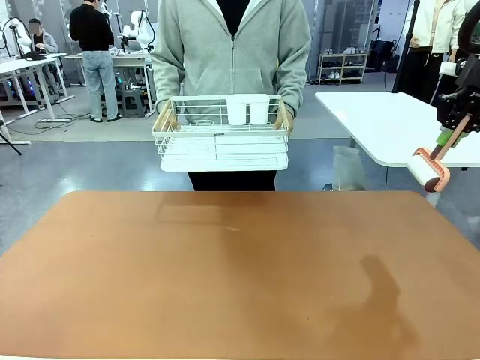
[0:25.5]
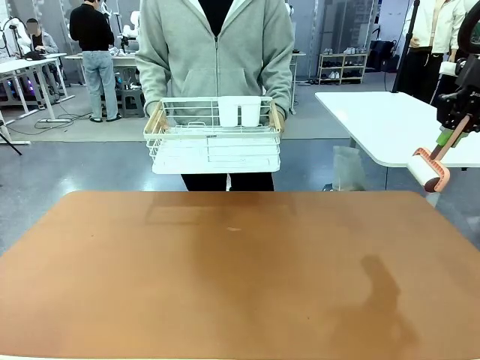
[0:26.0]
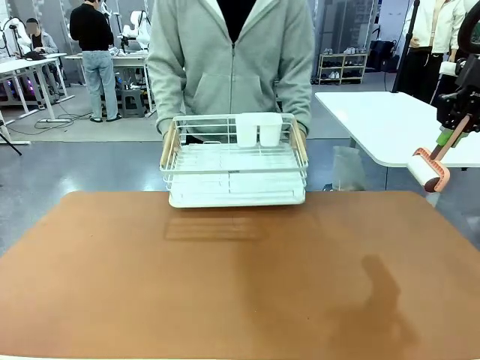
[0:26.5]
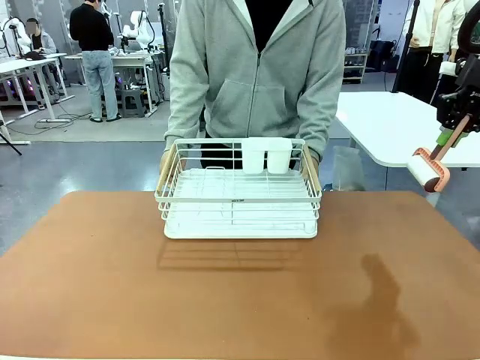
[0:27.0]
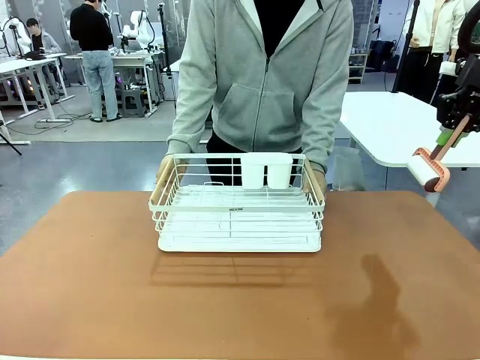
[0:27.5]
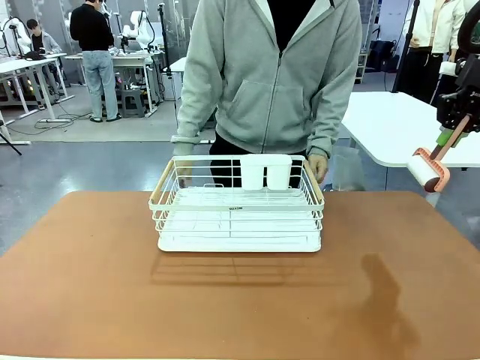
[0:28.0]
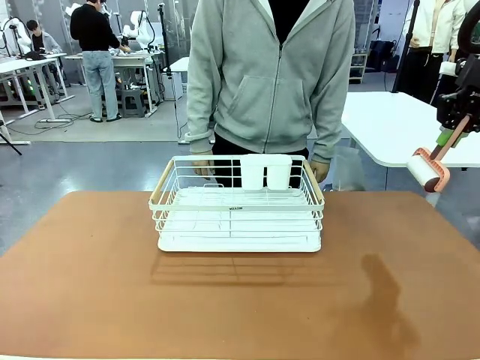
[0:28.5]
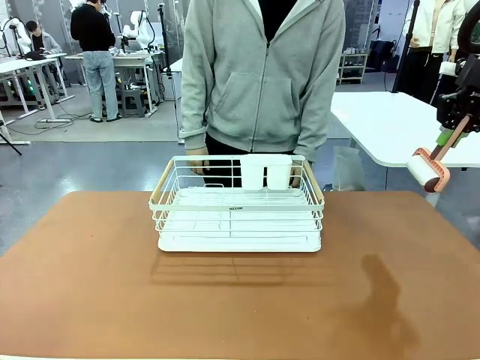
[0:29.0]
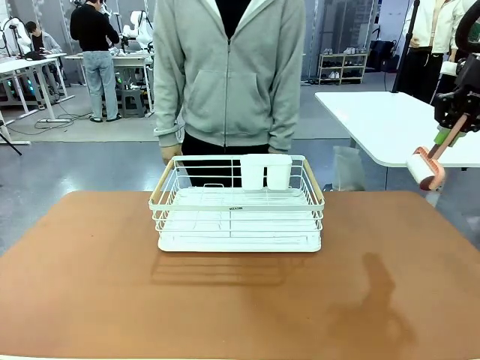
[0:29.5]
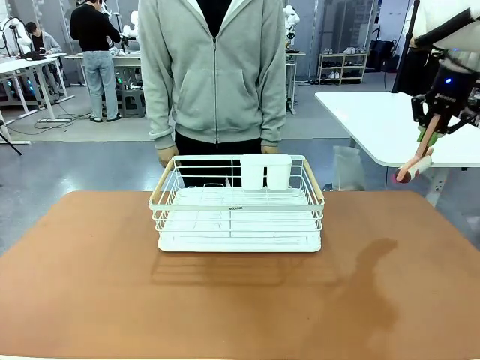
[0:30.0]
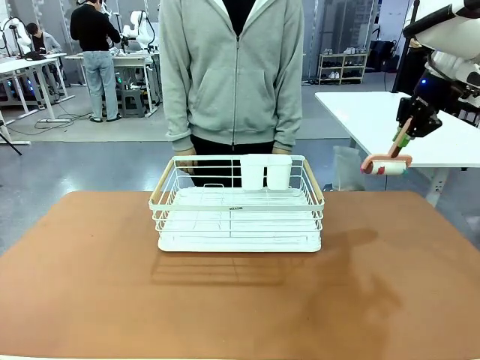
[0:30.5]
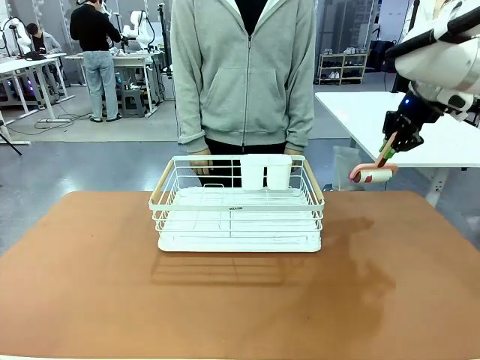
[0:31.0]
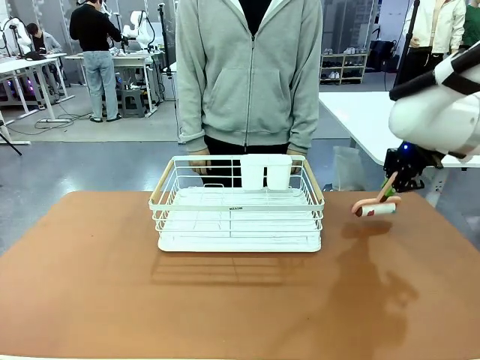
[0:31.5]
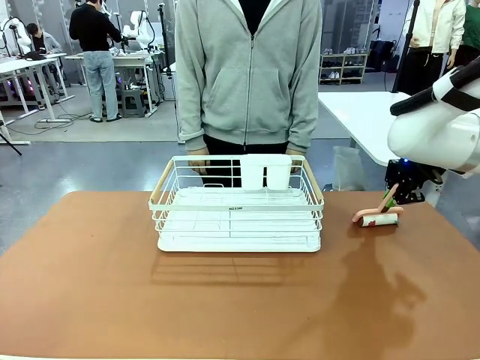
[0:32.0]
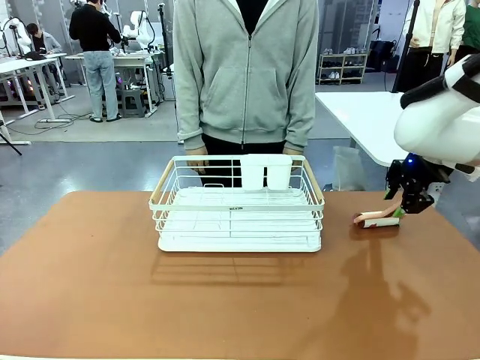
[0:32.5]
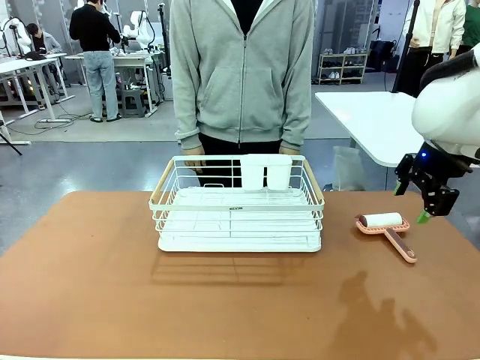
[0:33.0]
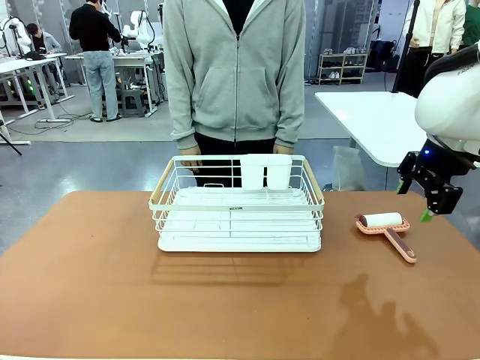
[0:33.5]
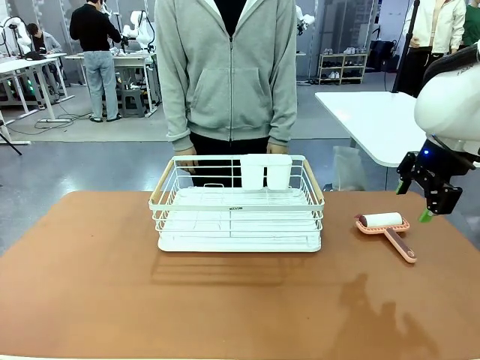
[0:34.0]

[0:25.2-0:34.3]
Task: Clean the table.
Robot: Place the Lint Roller down when the Dish drying rack is positioned in the middle of the table.
Person: Place the Dish drying rack down when the robot finishes cleaning.

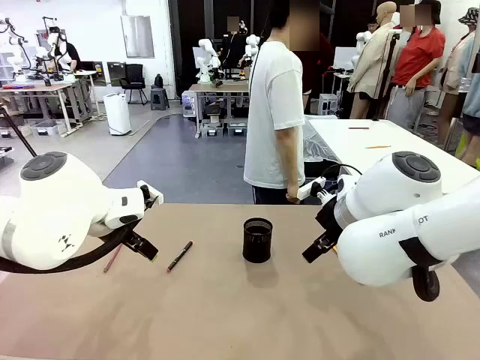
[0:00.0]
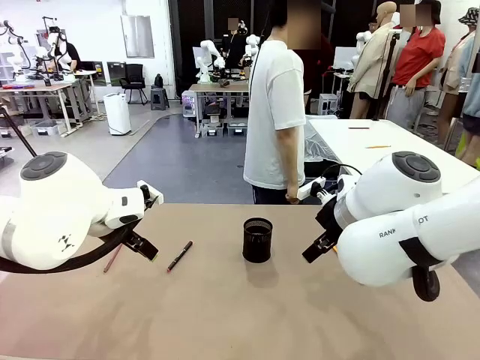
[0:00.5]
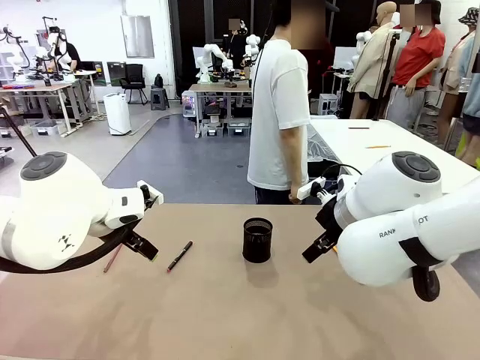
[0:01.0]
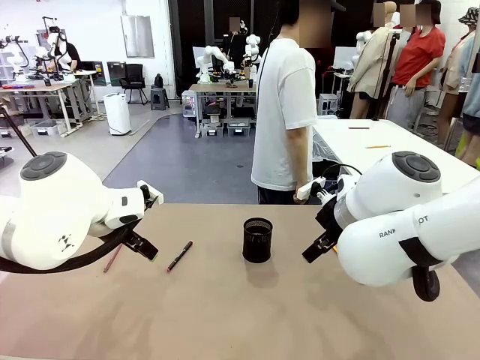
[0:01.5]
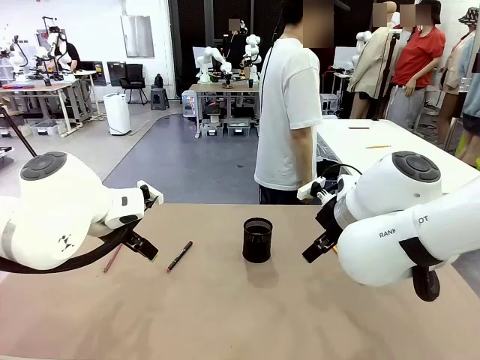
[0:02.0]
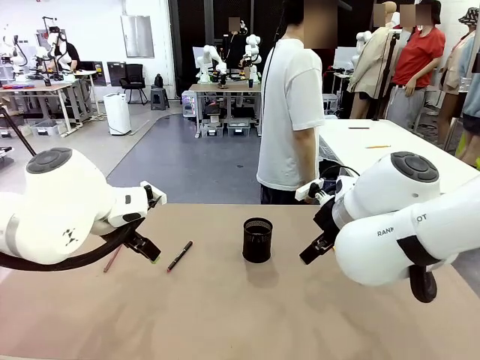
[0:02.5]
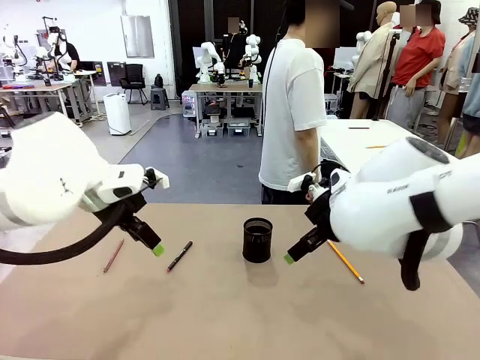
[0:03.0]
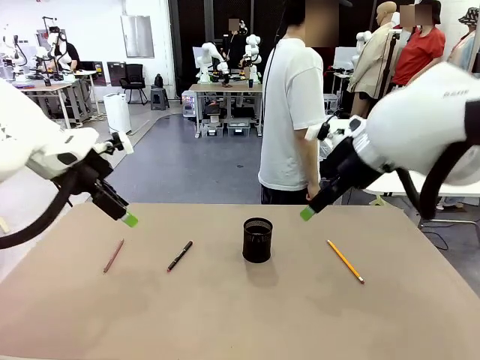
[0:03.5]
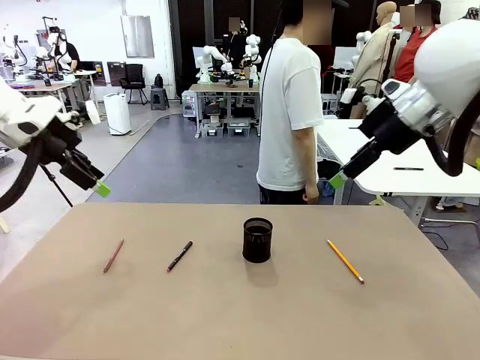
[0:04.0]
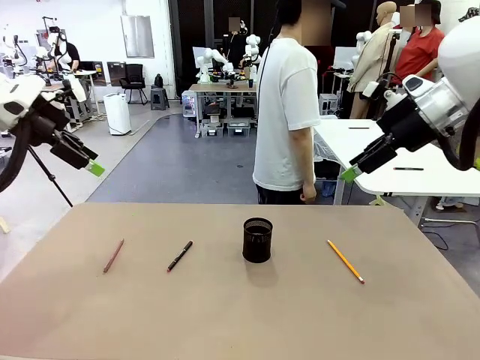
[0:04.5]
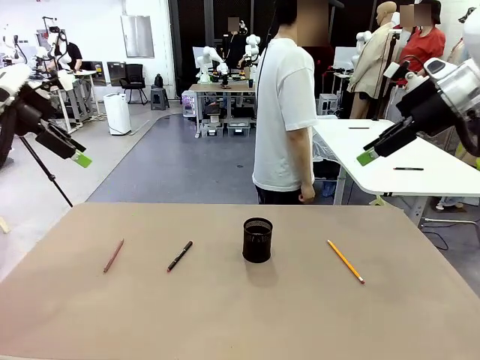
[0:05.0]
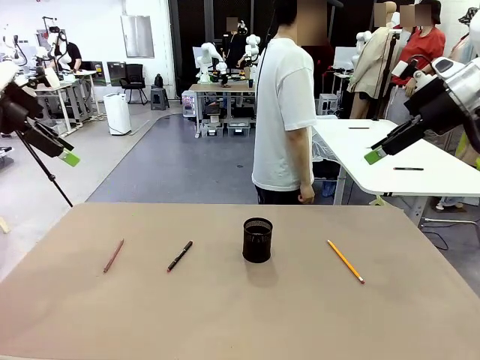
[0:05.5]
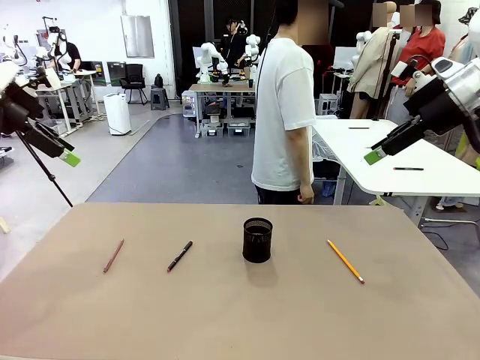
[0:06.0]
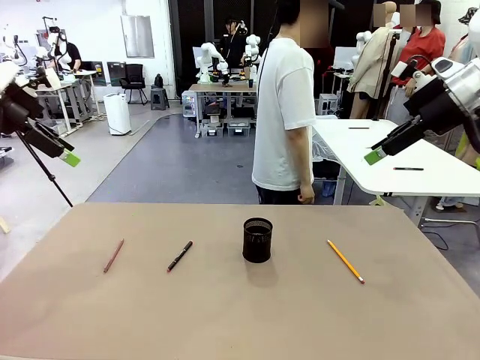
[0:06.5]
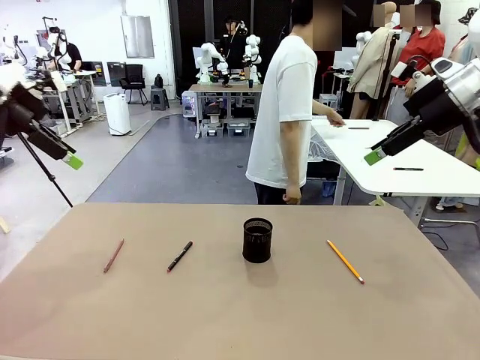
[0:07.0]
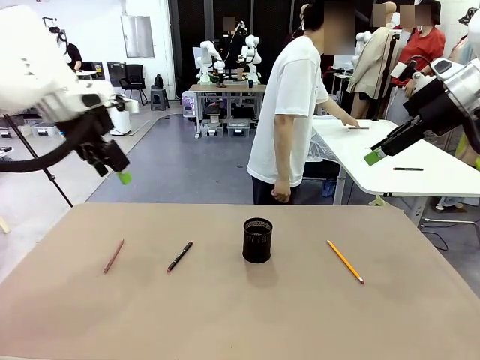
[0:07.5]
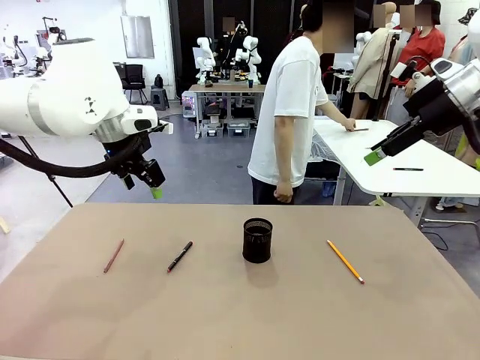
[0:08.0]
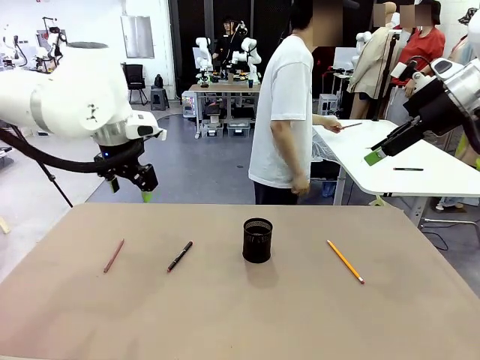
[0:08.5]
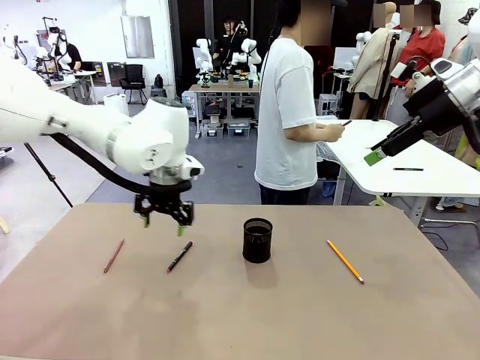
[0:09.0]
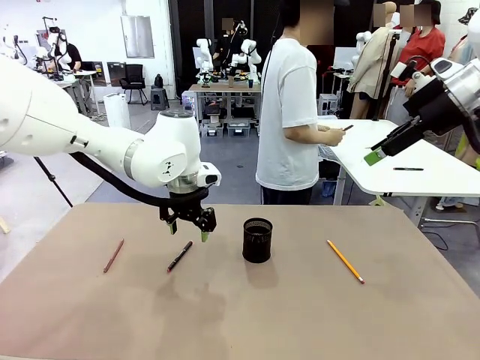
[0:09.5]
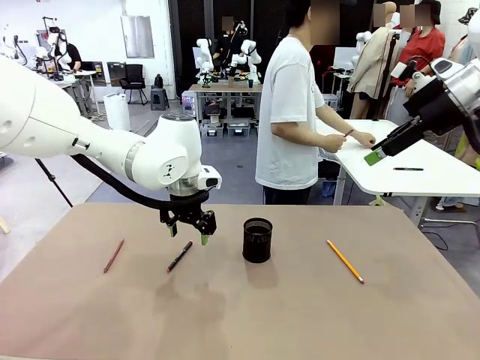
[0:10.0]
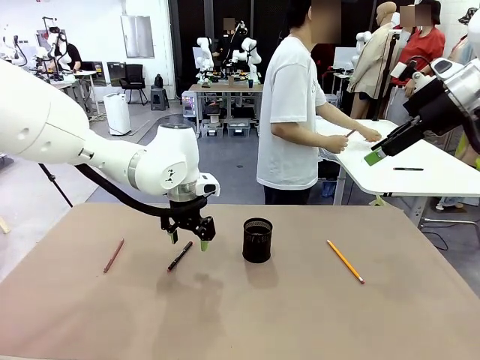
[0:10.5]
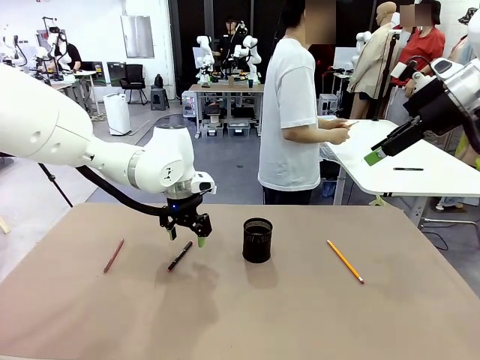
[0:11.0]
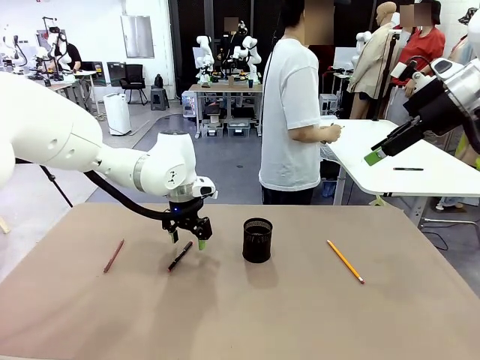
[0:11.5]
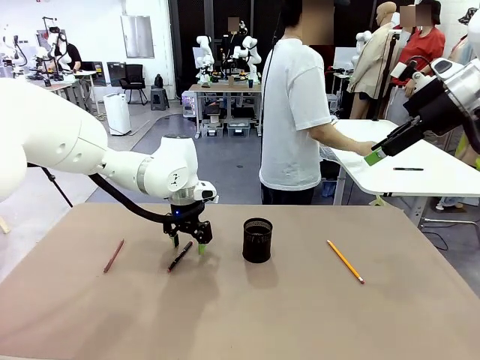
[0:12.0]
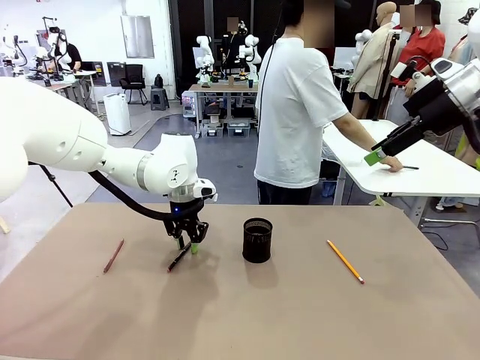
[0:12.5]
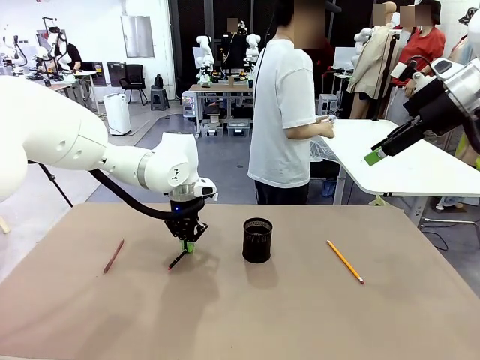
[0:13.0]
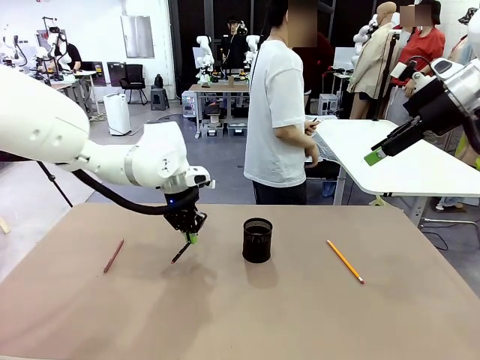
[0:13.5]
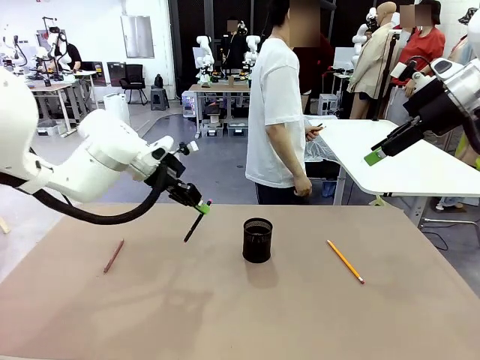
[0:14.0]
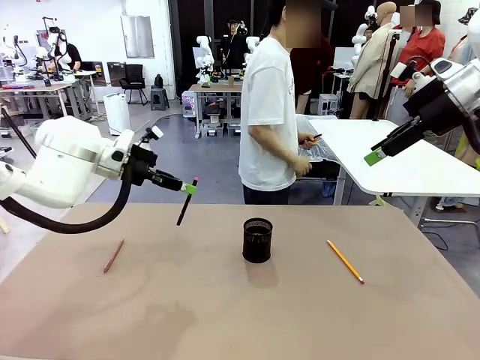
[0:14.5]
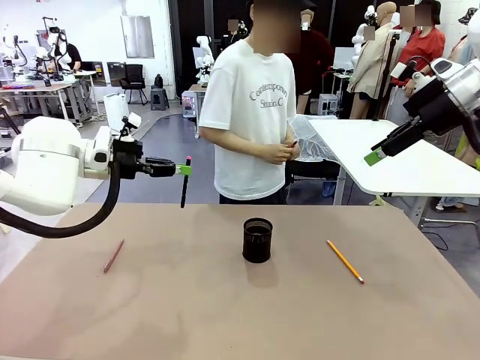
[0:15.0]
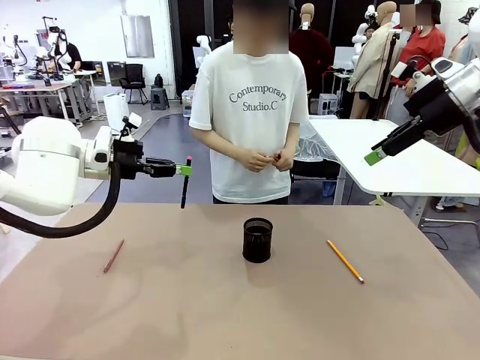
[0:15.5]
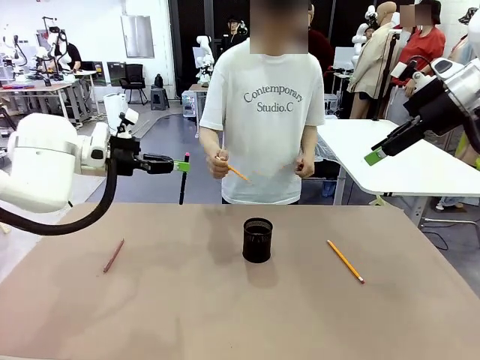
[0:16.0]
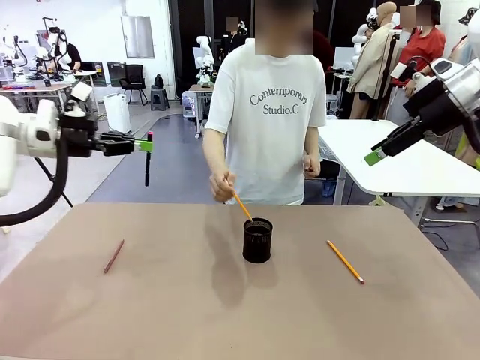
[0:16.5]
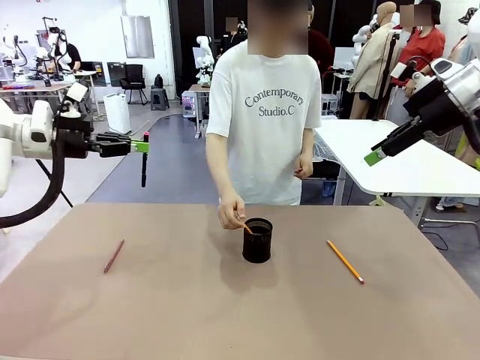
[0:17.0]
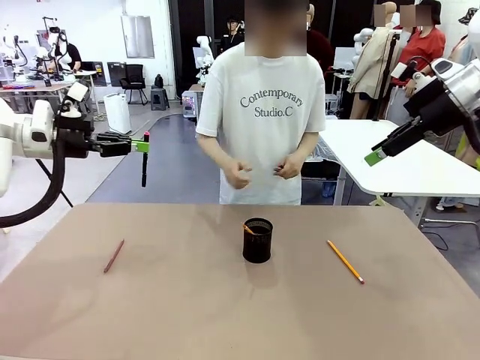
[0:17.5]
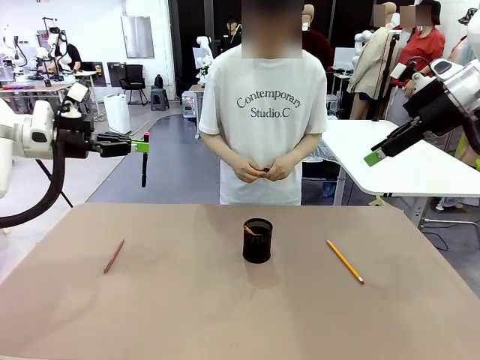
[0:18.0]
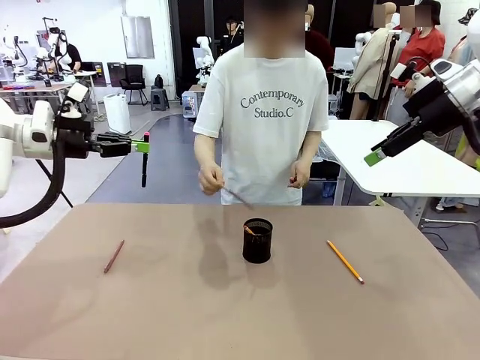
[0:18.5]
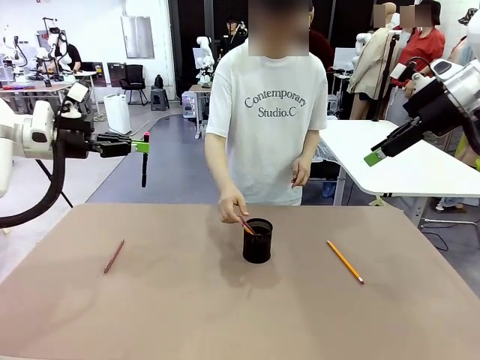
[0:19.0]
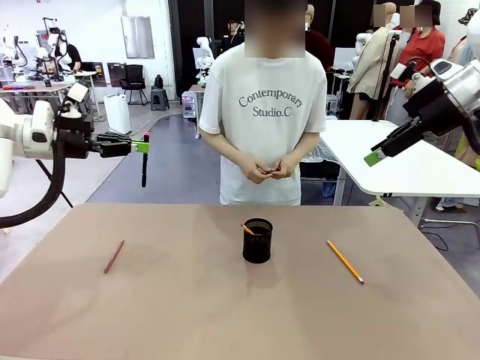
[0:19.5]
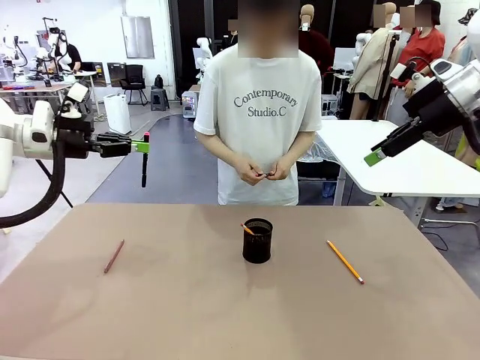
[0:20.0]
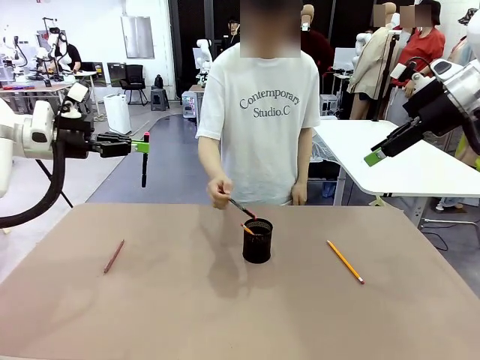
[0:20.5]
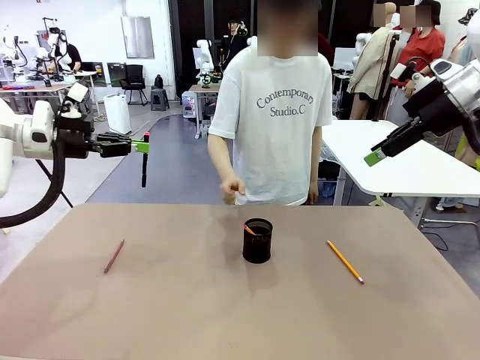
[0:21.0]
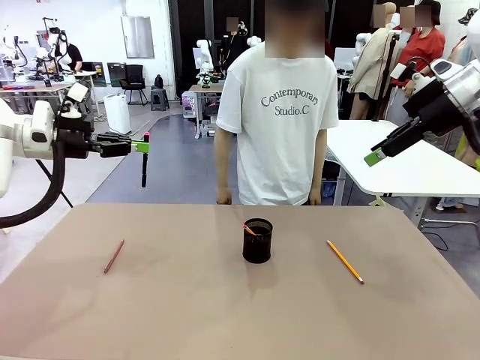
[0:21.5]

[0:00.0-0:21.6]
Task: Place the pens into the pen holder.
Robot: Pick up a writing instrument from the table and place it into the Pen holder.
Person: Pick up all writing instruments from the Human table.
